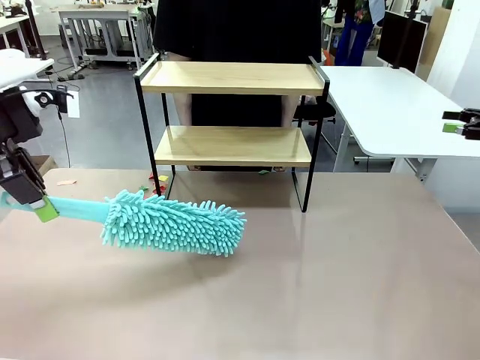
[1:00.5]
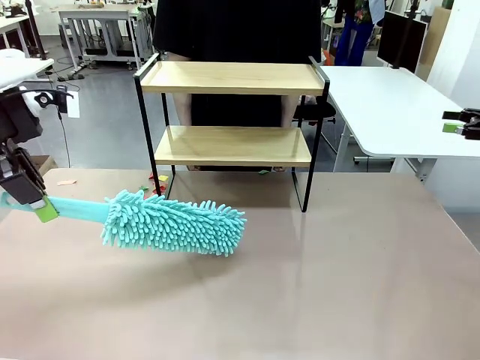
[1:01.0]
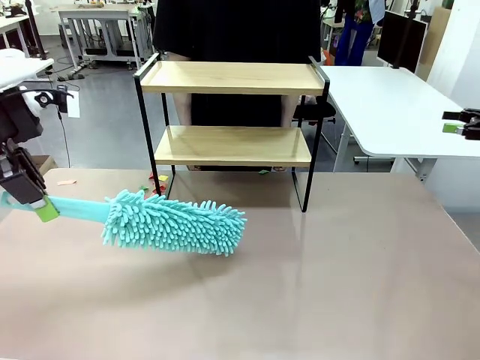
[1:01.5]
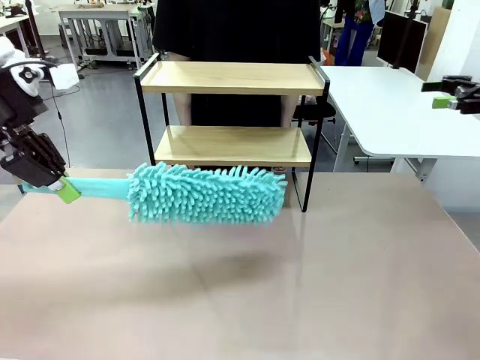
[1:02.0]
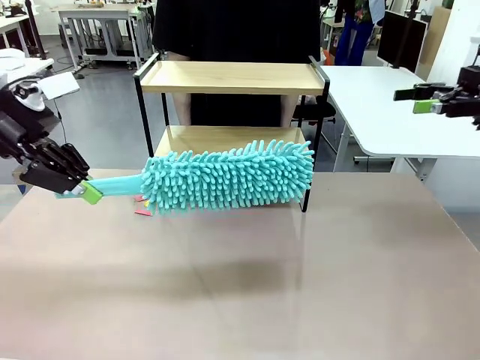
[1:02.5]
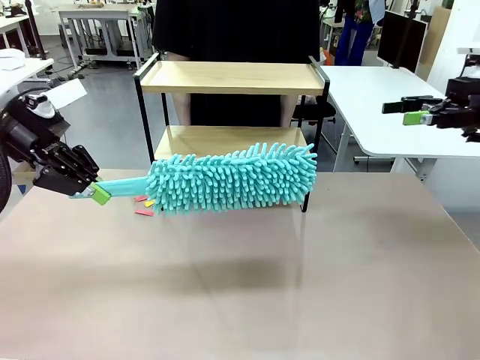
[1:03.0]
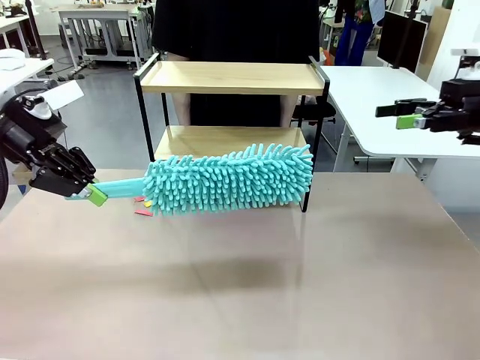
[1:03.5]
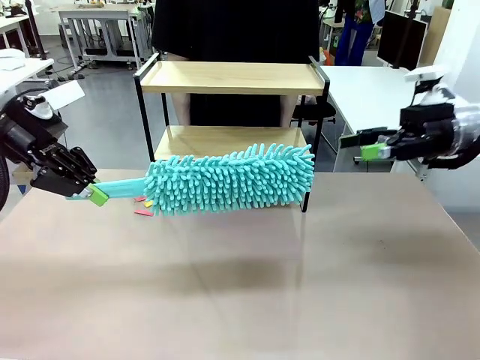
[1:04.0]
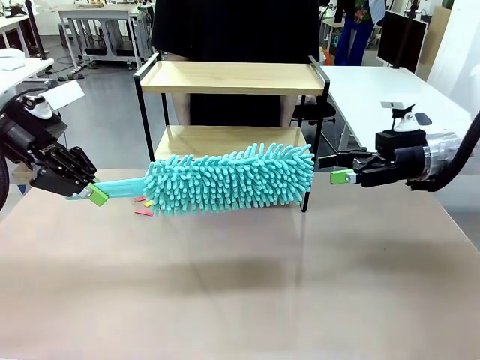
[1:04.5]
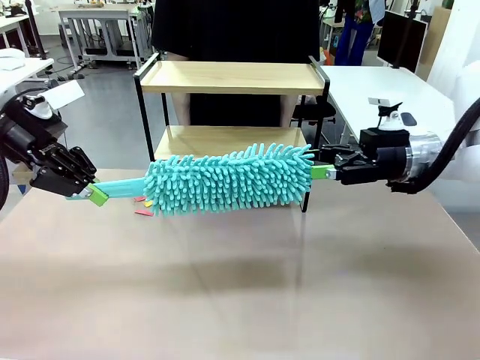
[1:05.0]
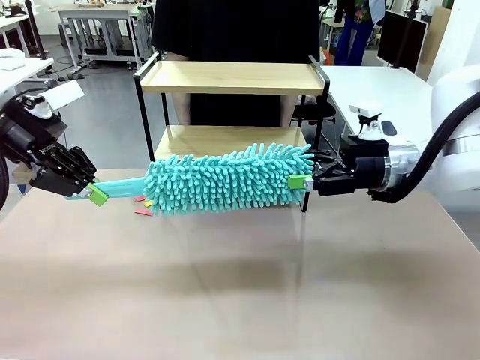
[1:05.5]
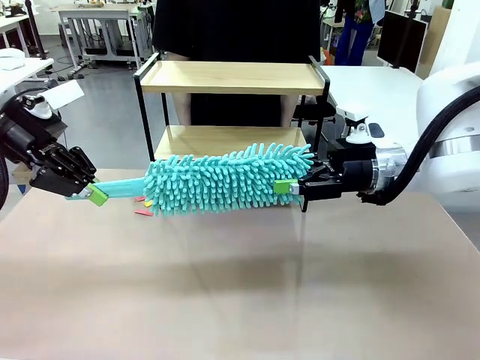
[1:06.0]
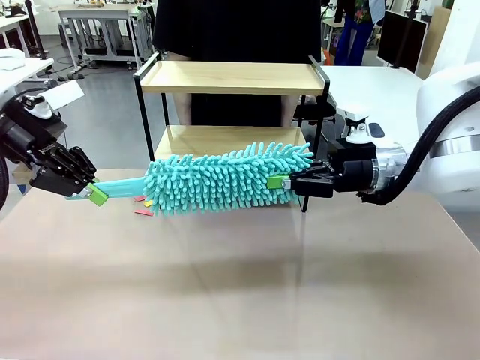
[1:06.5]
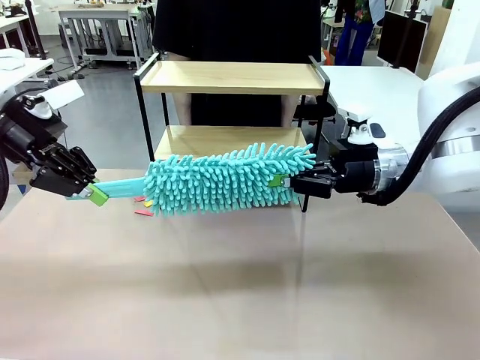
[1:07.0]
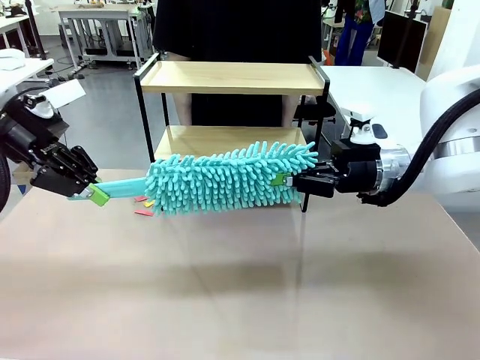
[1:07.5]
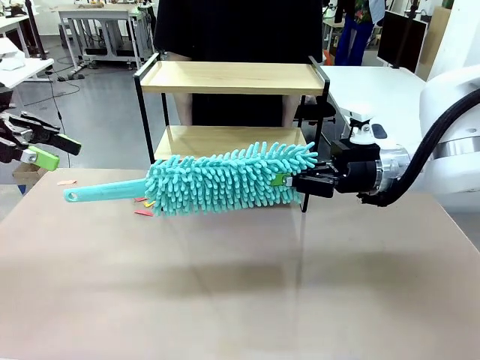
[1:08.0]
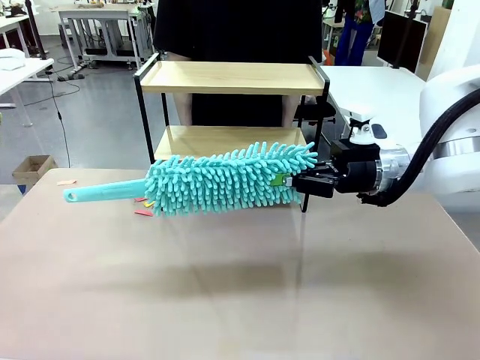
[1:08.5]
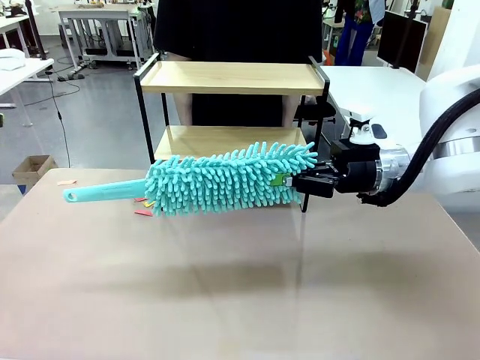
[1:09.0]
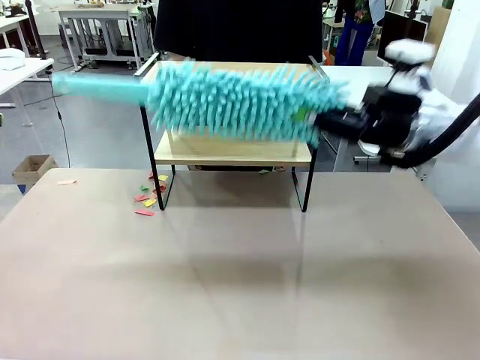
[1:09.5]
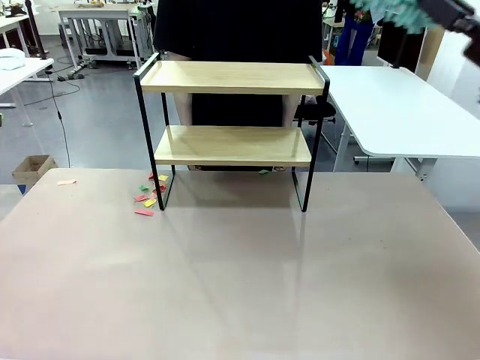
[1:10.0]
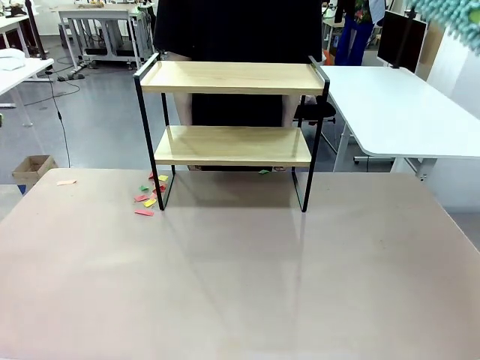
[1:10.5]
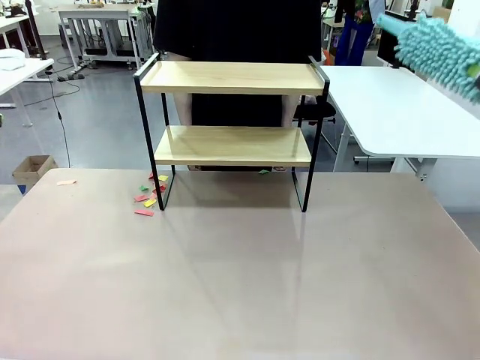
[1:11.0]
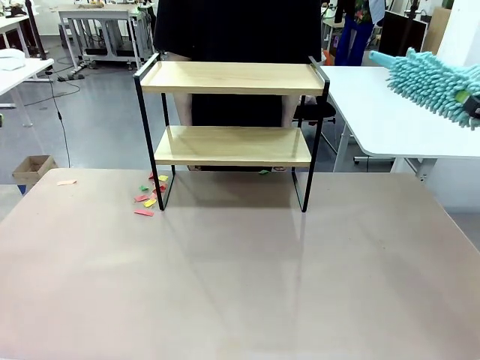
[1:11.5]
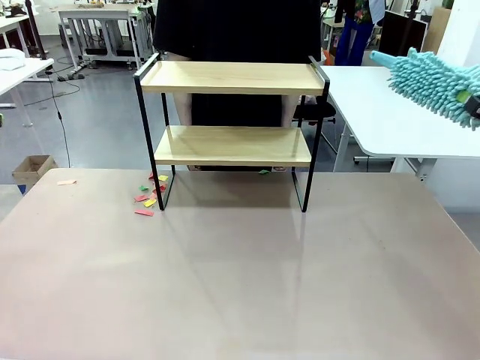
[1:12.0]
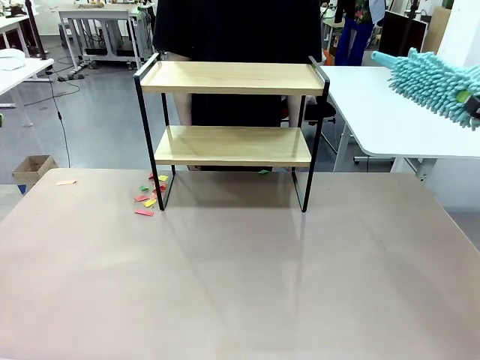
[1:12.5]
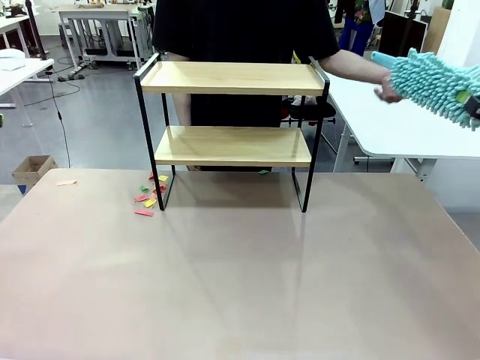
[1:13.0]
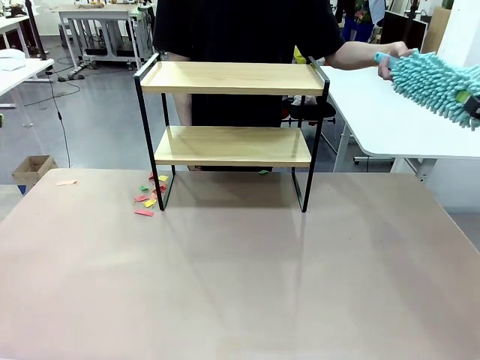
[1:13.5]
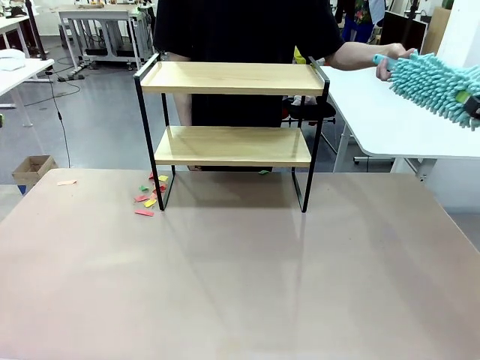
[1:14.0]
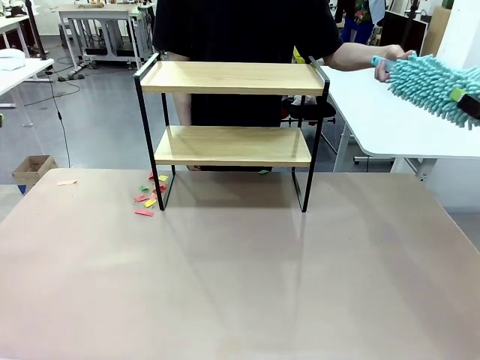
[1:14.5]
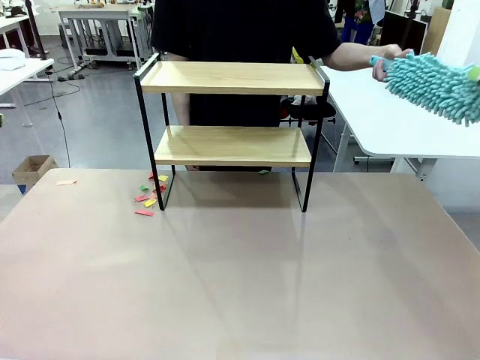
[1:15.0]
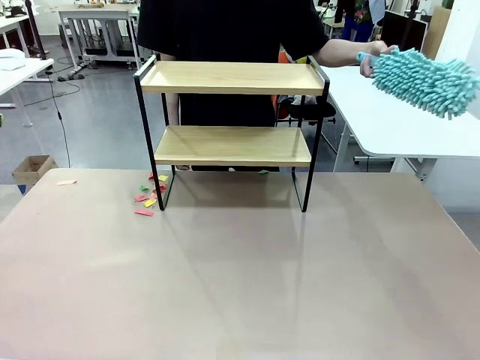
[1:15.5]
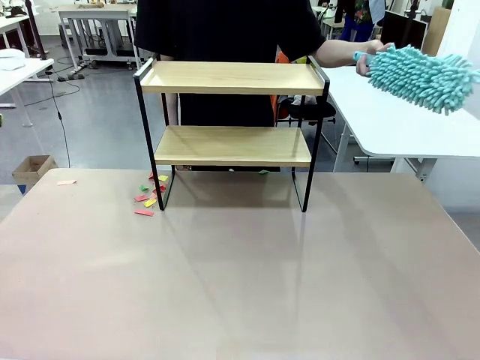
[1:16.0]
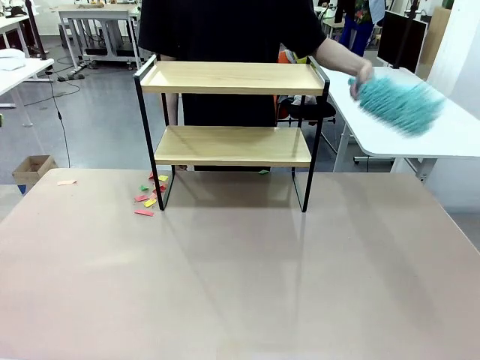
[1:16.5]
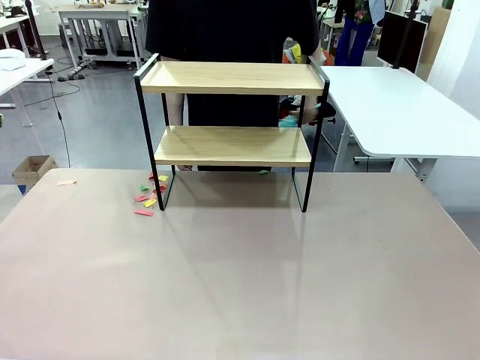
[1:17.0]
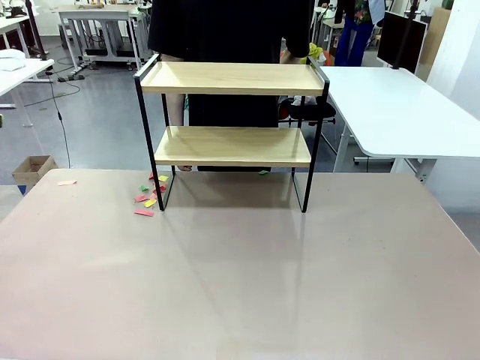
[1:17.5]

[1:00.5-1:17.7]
Task: Clean the shelf.
Robot: Hand the Duster back to the human.
Person: Receive the Duster from the robot.
